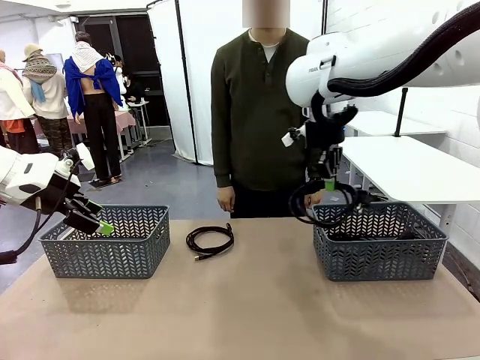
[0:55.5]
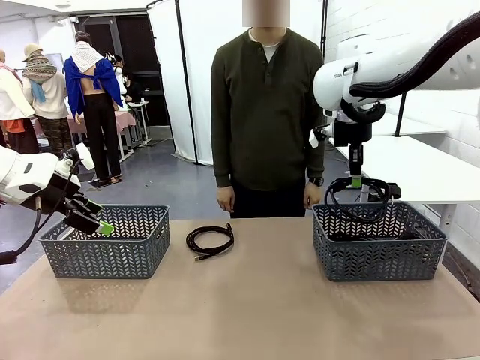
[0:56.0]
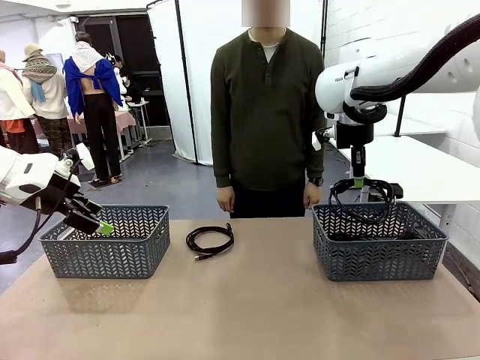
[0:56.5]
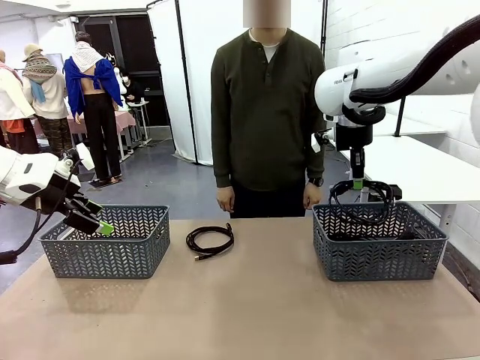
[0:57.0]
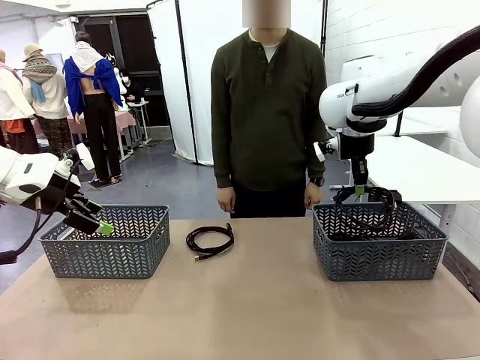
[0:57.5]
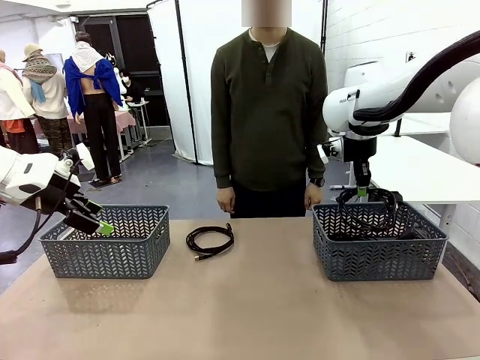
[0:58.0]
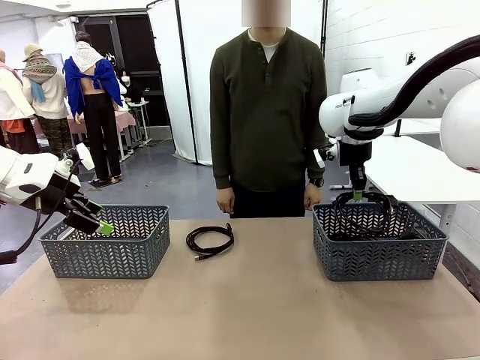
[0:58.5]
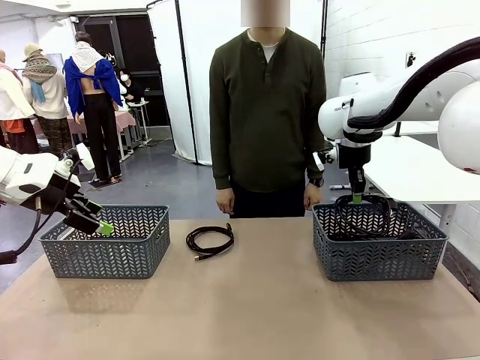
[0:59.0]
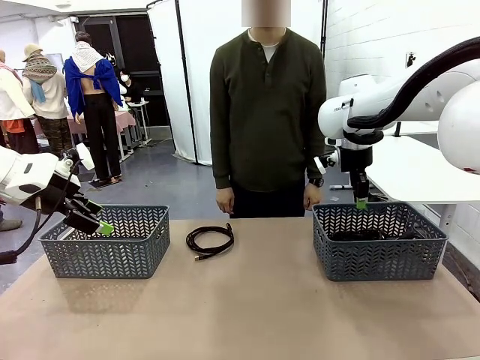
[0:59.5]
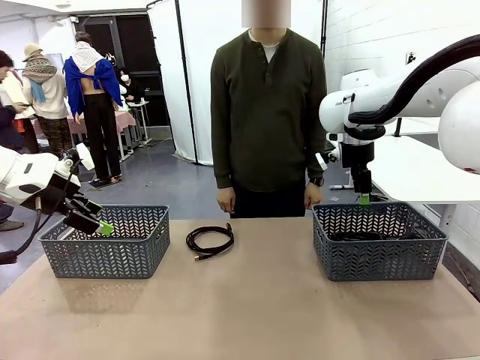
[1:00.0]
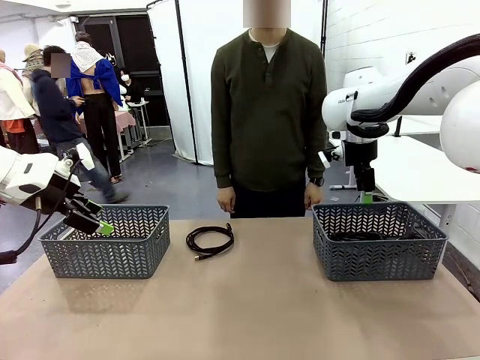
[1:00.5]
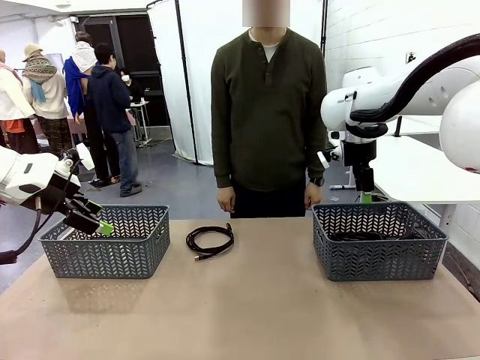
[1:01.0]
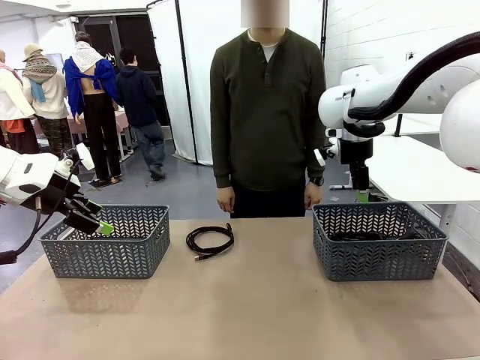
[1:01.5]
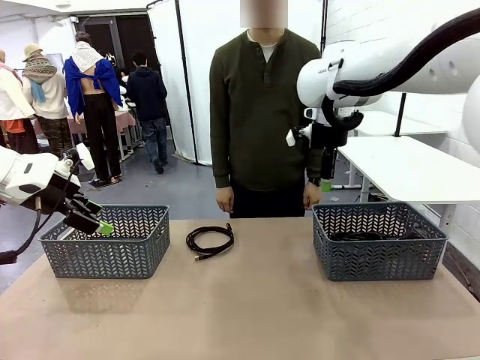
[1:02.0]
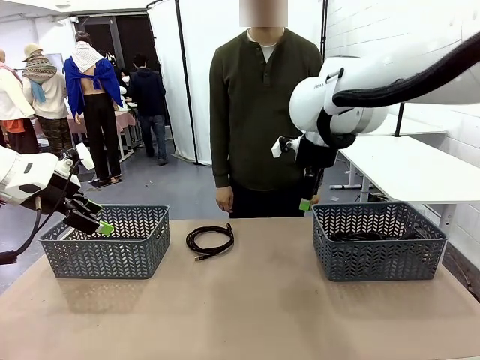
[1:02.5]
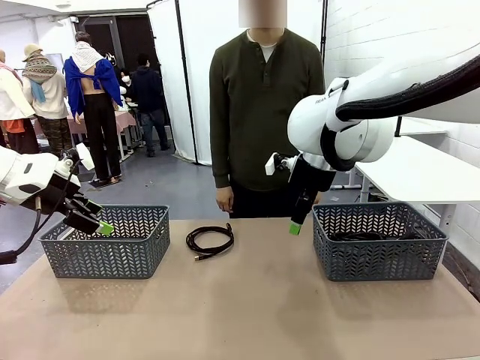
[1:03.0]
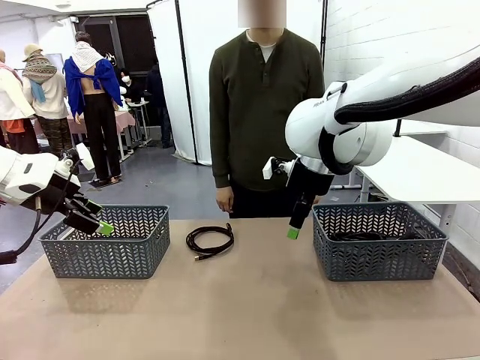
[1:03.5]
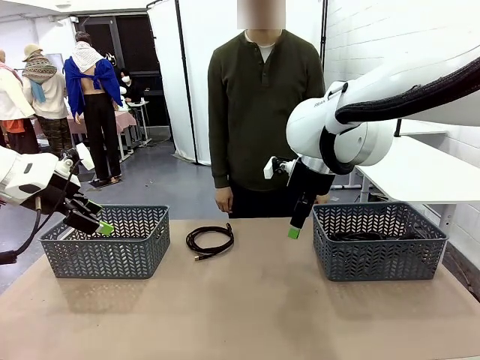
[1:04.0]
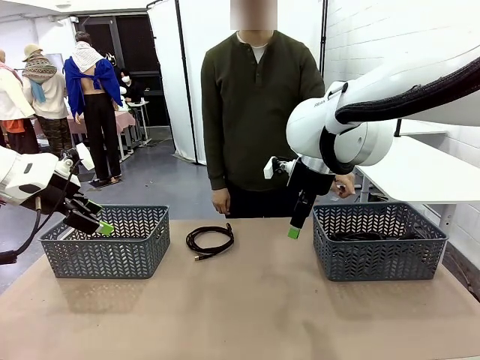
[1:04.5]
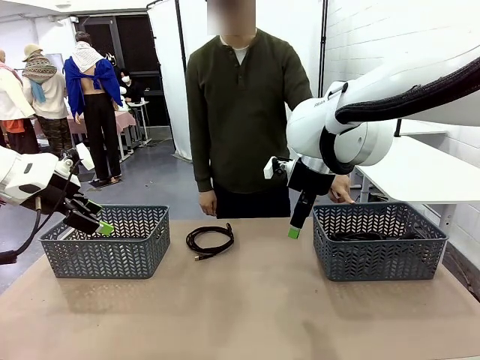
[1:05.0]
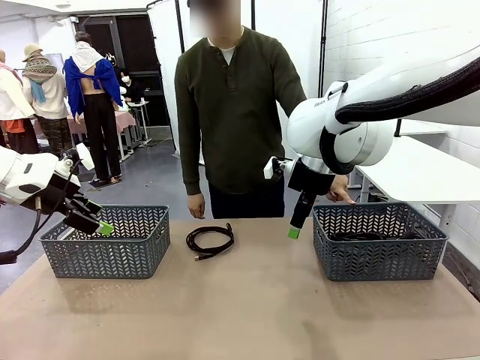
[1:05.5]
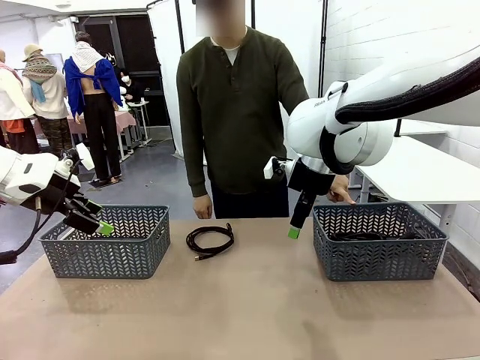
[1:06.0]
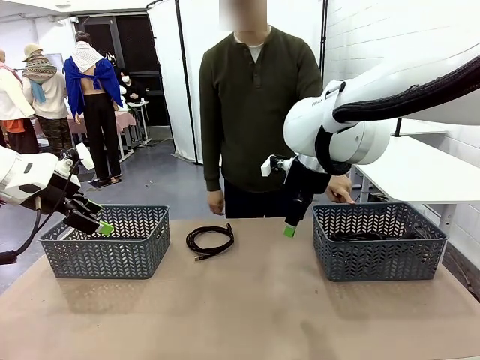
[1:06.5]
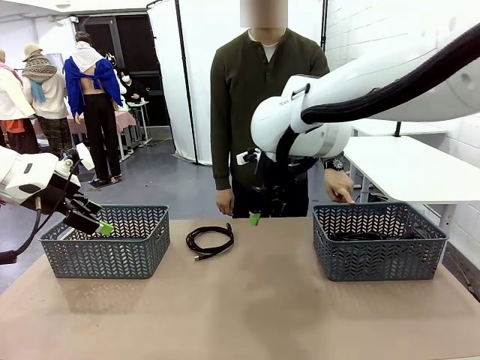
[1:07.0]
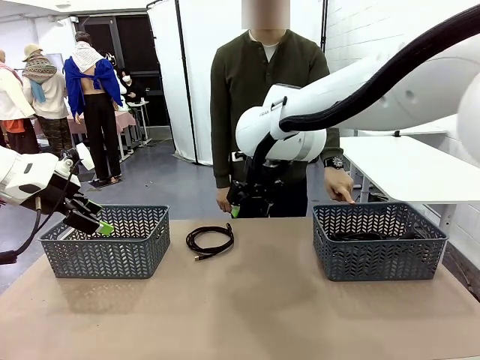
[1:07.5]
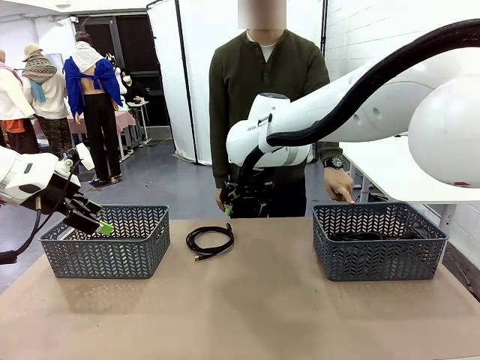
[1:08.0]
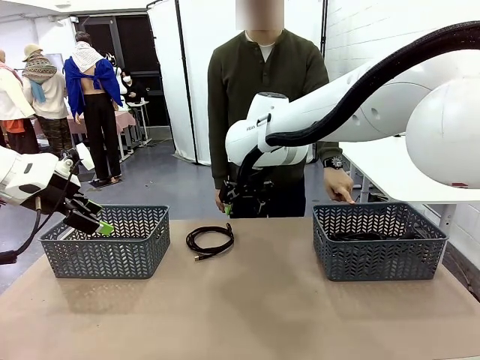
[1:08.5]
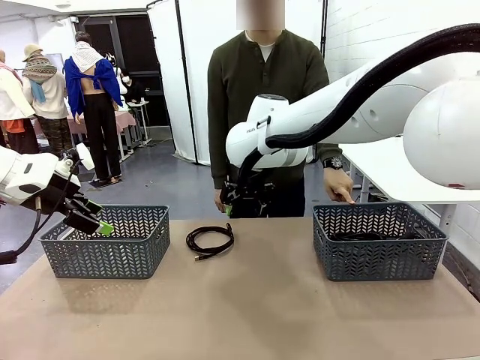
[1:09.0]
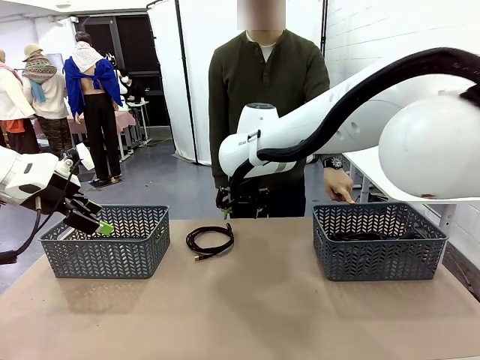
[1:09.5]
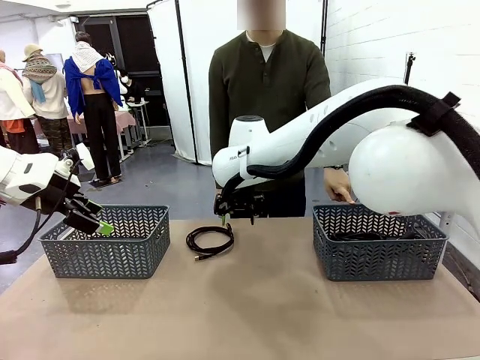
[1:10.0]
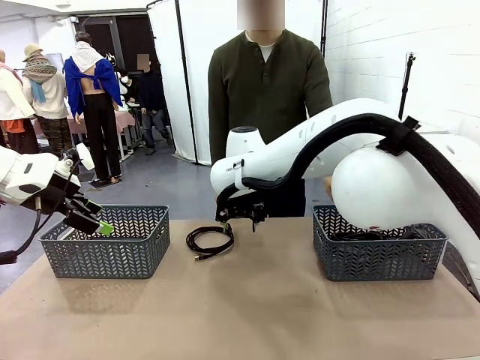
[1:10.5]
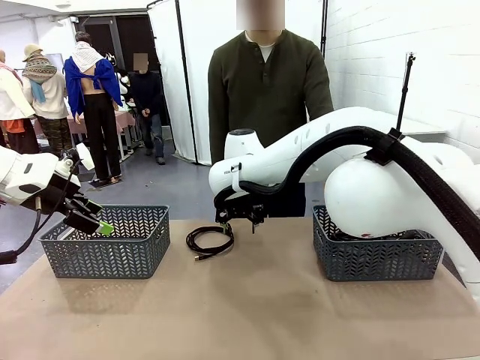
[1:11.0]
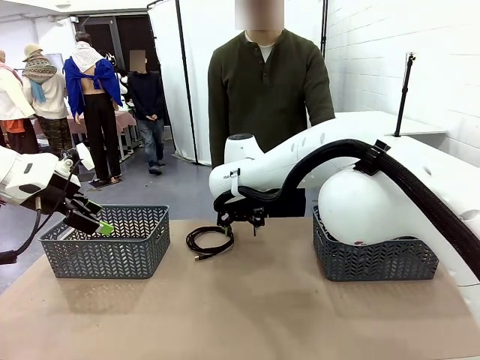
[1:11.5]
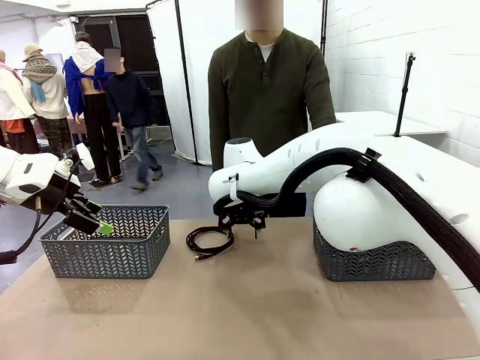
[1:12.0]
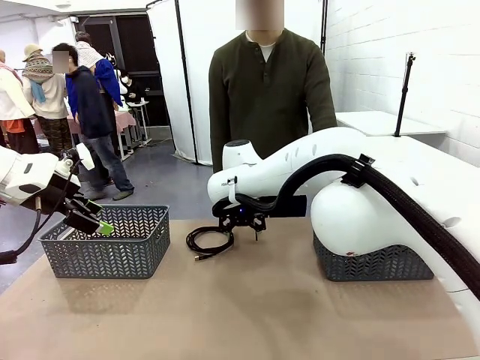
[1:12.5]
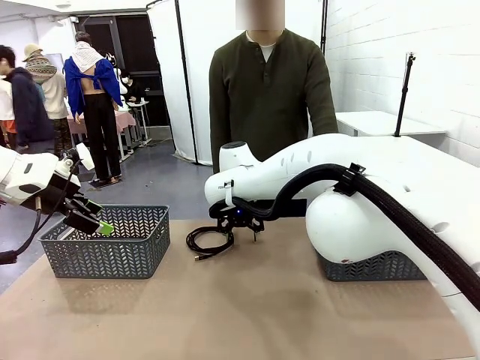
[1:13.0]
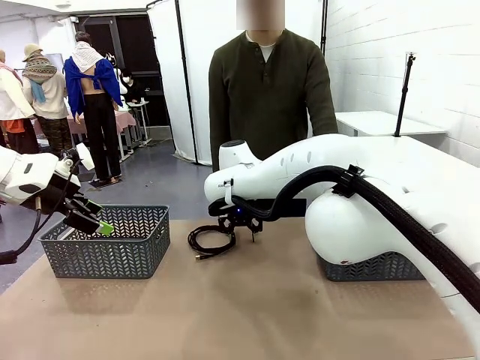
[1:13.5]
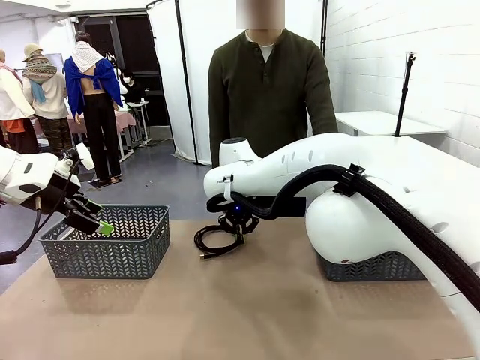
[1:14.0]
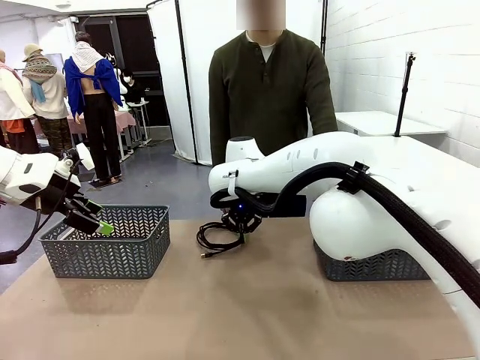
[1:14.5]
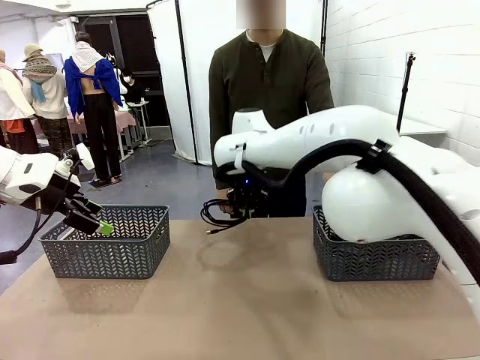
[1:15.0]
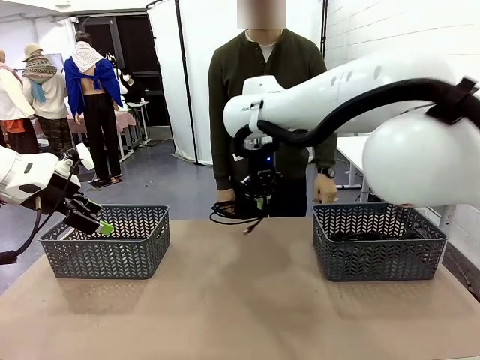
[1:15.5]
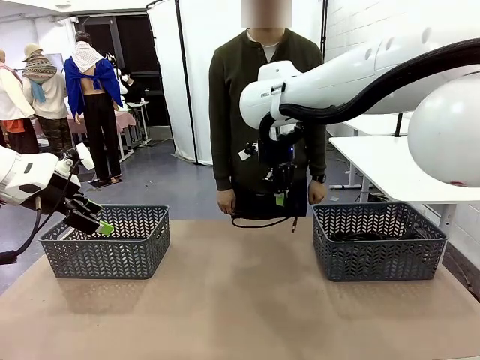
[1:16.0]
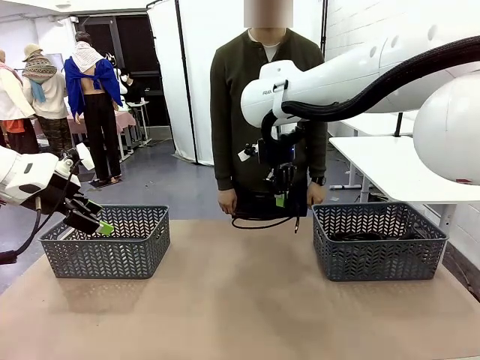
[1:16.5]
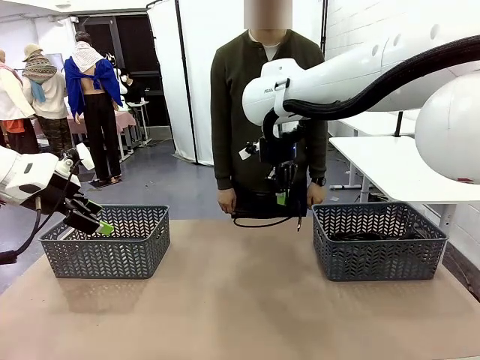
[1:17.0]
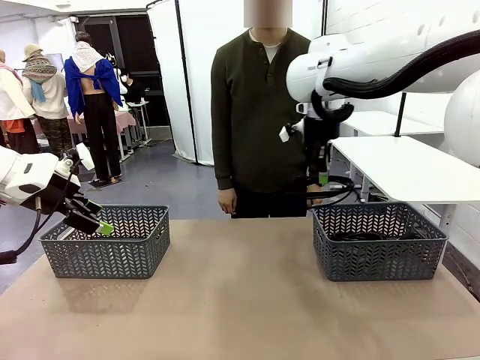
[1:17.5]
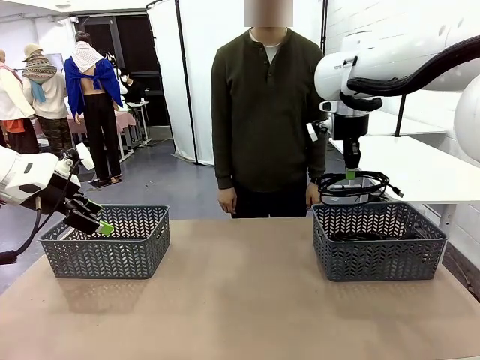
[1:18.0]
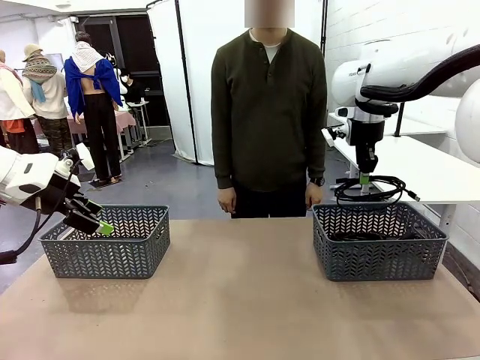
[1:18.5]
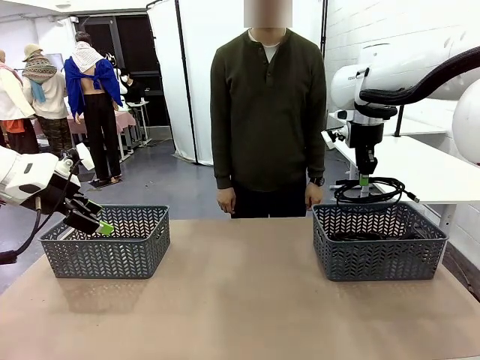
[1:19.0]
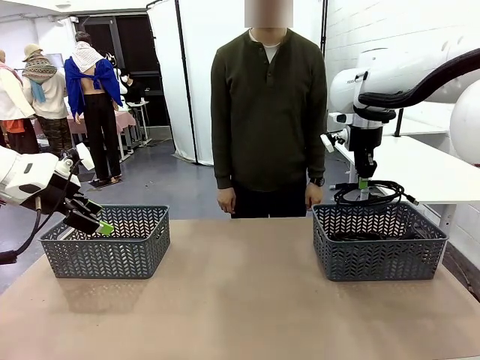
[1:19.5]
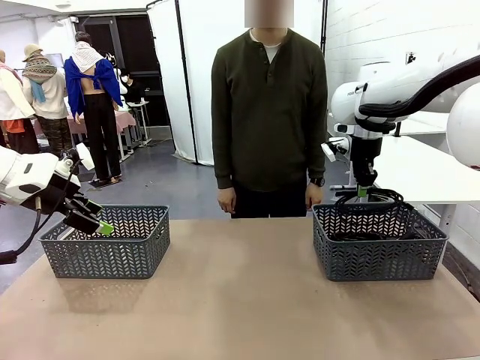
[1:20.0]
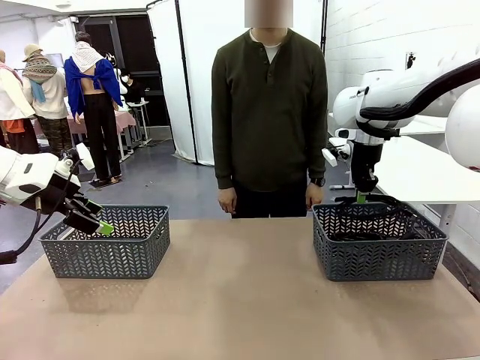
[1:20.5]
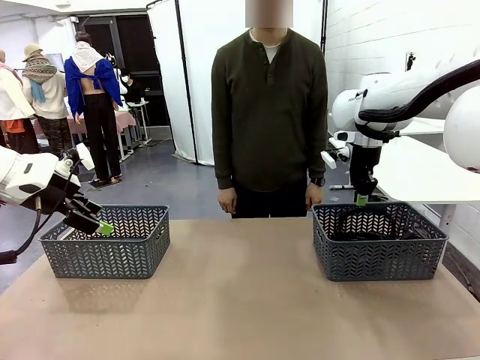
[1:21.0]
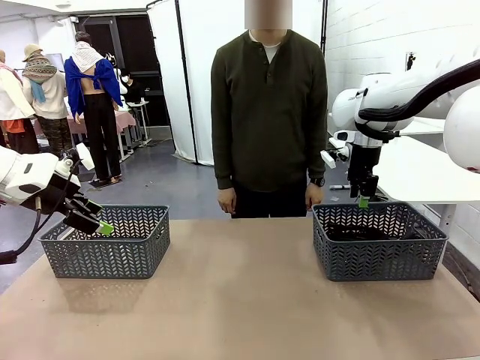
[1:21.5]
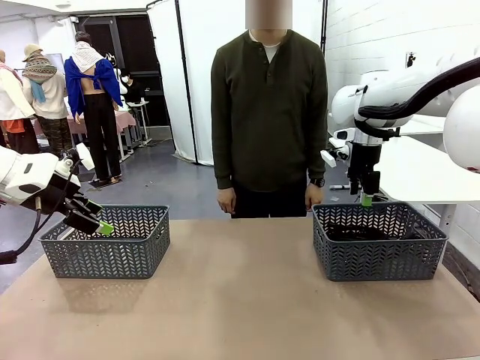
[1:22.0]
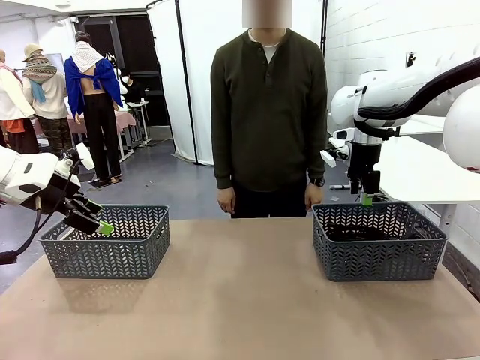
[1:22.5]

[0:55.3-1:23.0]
Task: Organize the cables according to human instructions.
Robot: Pick up a bundle of cables and place it in the basket indicated by the human.
